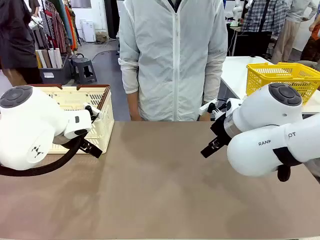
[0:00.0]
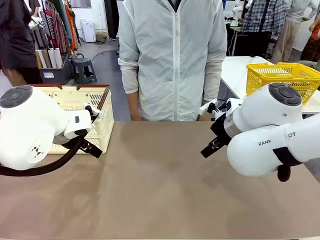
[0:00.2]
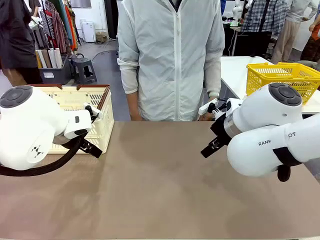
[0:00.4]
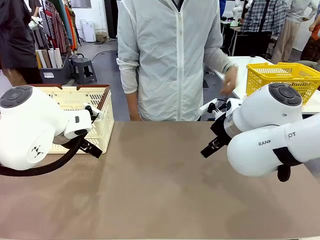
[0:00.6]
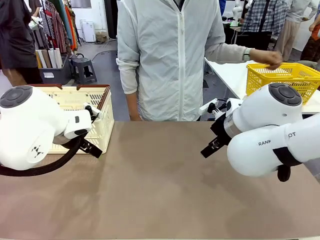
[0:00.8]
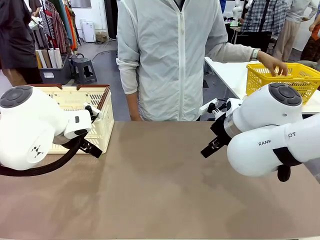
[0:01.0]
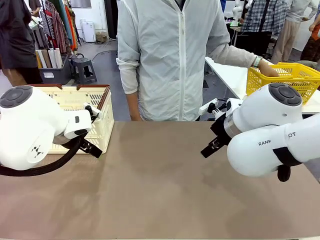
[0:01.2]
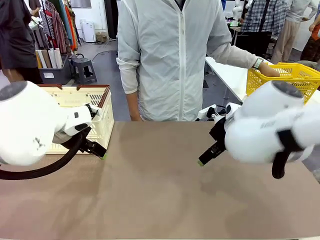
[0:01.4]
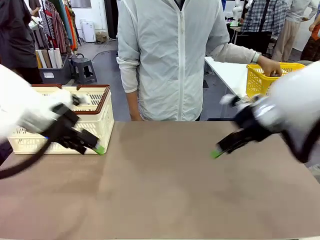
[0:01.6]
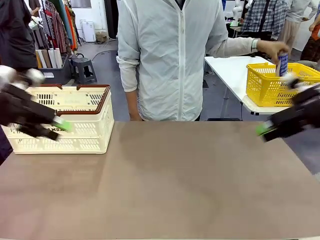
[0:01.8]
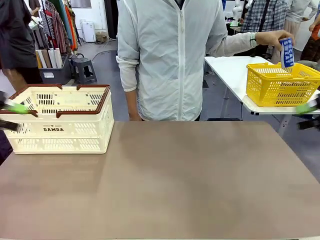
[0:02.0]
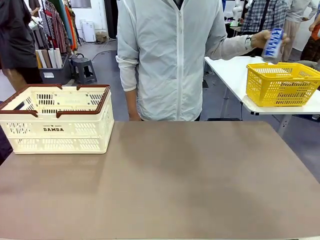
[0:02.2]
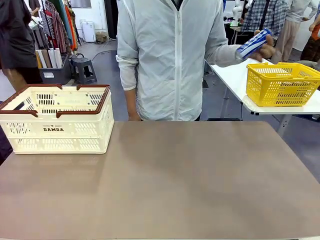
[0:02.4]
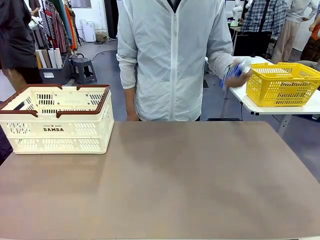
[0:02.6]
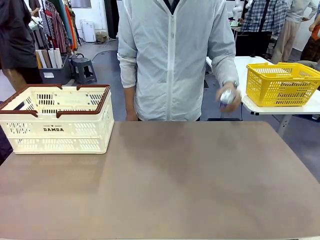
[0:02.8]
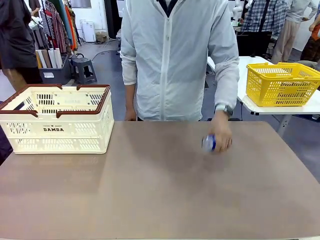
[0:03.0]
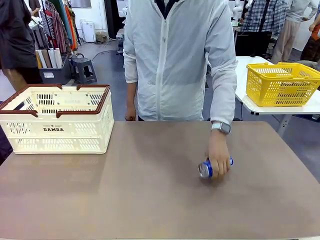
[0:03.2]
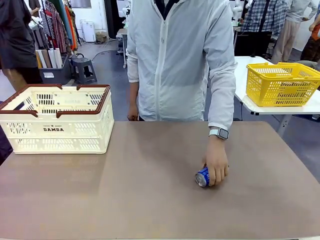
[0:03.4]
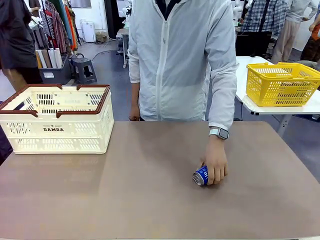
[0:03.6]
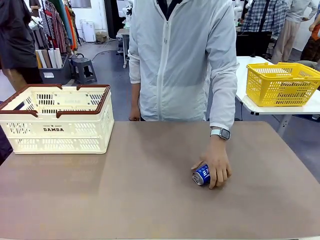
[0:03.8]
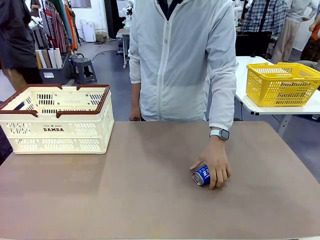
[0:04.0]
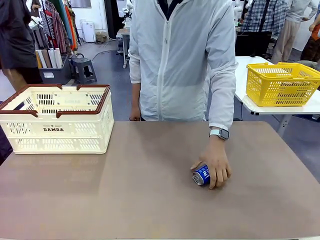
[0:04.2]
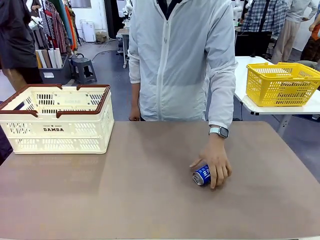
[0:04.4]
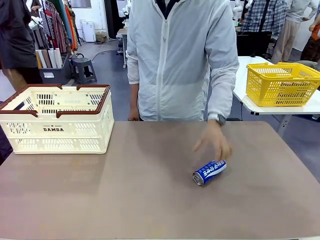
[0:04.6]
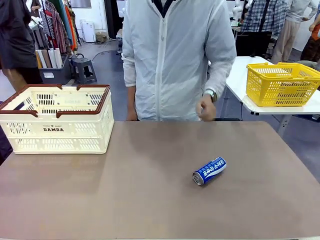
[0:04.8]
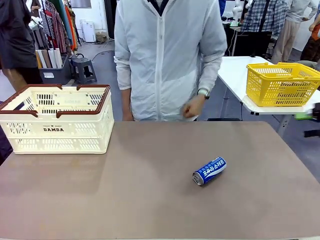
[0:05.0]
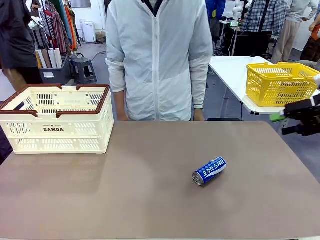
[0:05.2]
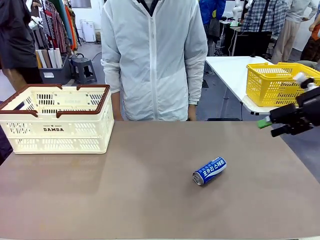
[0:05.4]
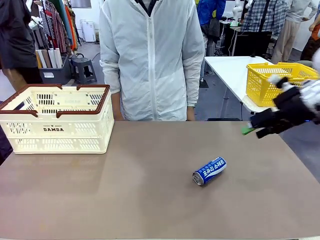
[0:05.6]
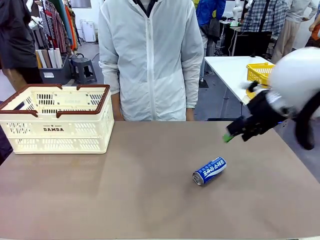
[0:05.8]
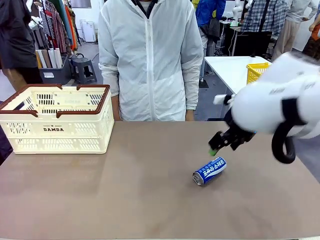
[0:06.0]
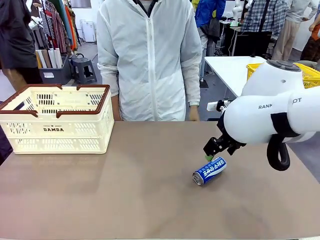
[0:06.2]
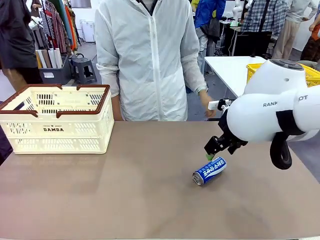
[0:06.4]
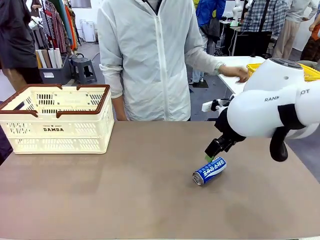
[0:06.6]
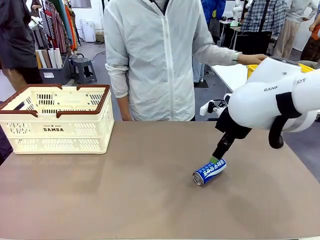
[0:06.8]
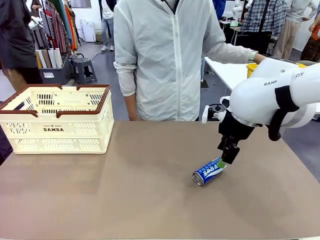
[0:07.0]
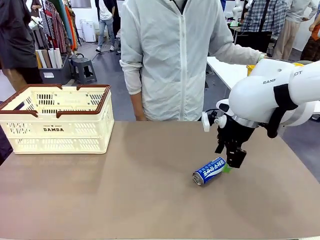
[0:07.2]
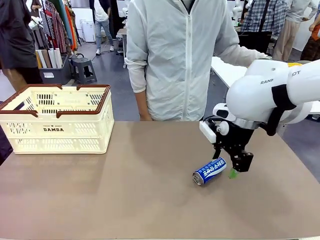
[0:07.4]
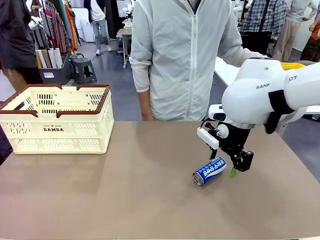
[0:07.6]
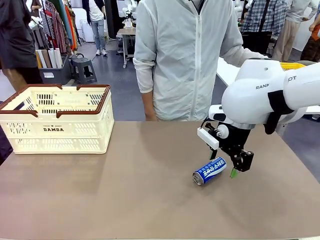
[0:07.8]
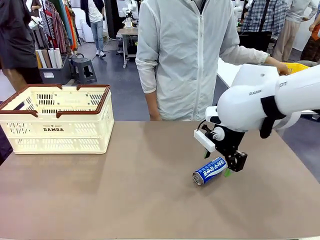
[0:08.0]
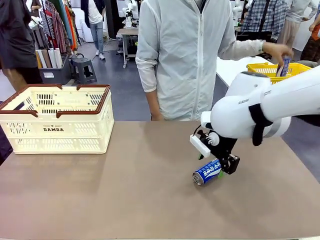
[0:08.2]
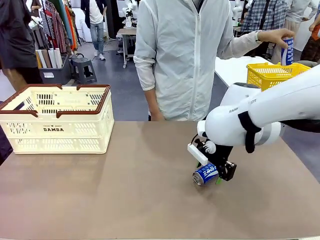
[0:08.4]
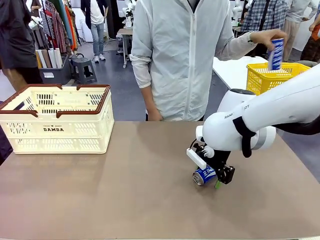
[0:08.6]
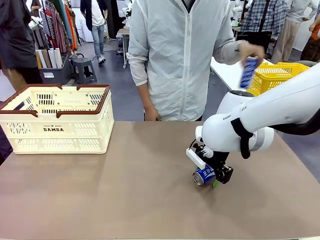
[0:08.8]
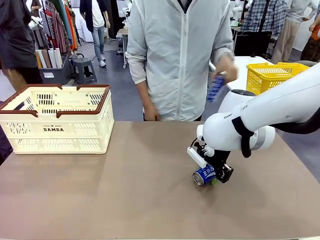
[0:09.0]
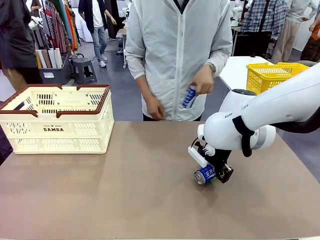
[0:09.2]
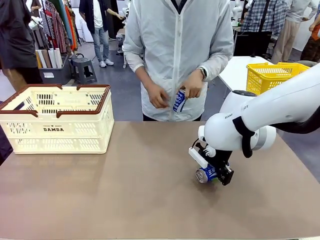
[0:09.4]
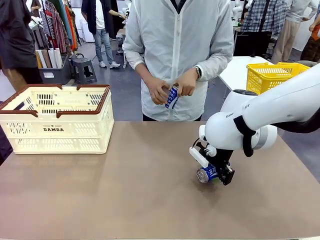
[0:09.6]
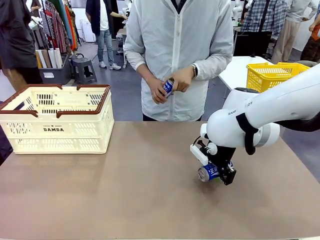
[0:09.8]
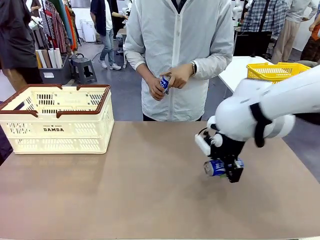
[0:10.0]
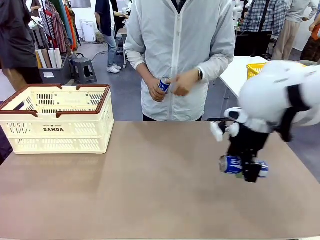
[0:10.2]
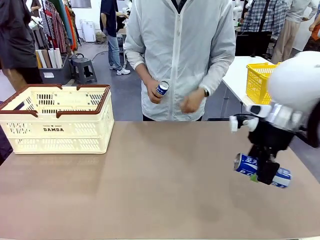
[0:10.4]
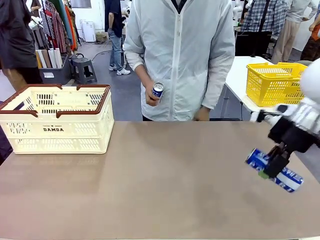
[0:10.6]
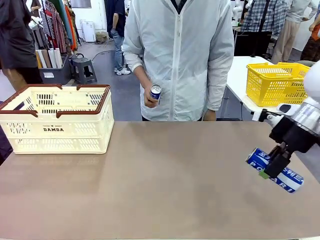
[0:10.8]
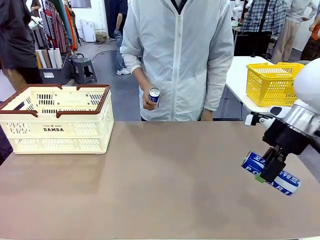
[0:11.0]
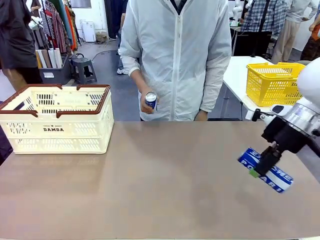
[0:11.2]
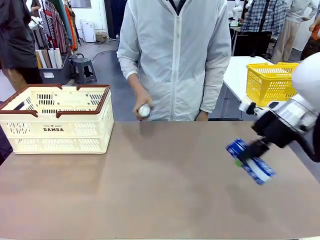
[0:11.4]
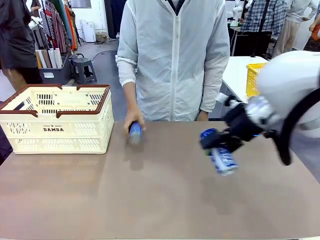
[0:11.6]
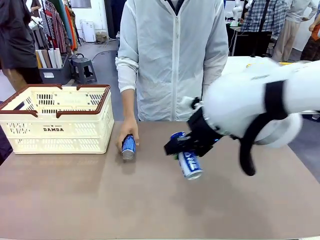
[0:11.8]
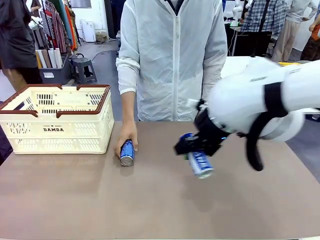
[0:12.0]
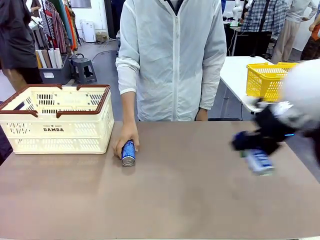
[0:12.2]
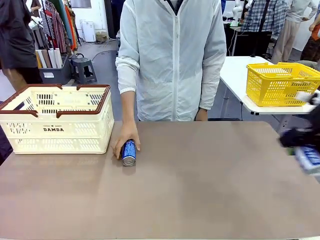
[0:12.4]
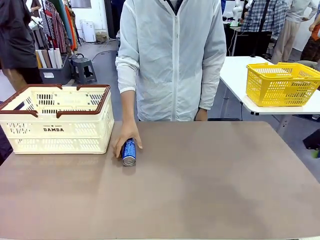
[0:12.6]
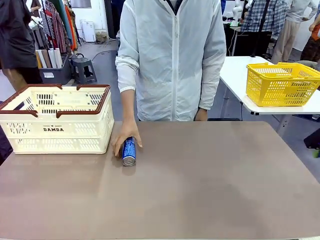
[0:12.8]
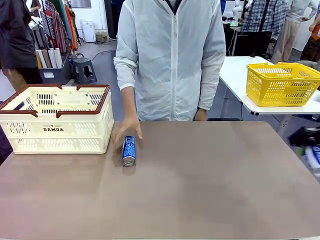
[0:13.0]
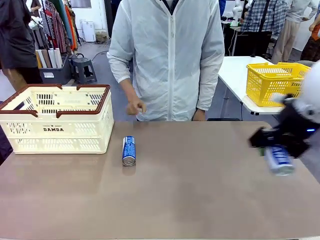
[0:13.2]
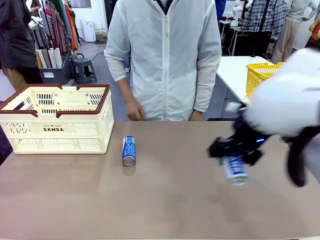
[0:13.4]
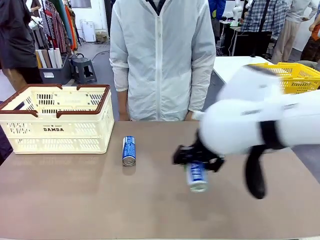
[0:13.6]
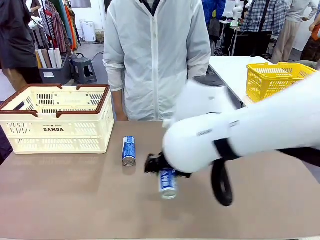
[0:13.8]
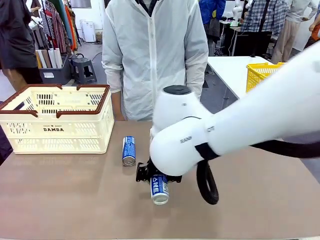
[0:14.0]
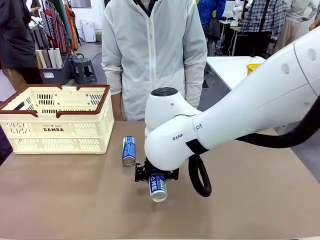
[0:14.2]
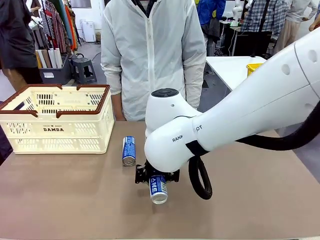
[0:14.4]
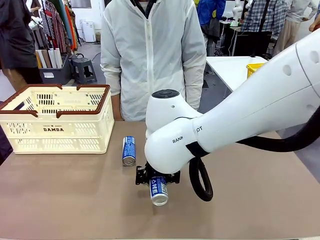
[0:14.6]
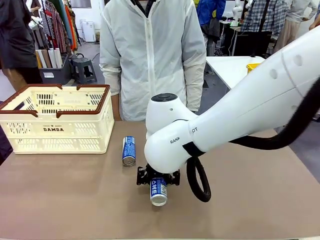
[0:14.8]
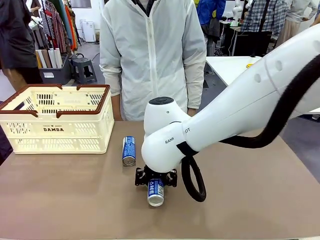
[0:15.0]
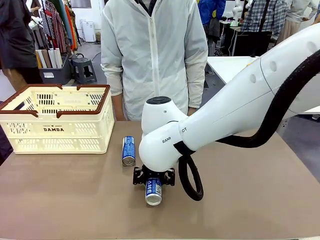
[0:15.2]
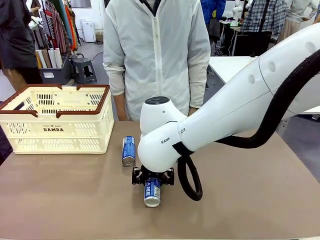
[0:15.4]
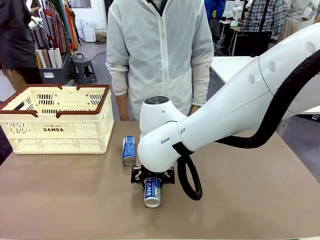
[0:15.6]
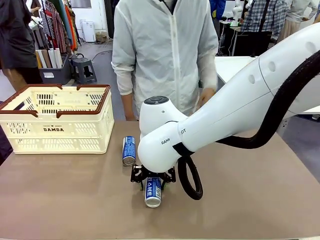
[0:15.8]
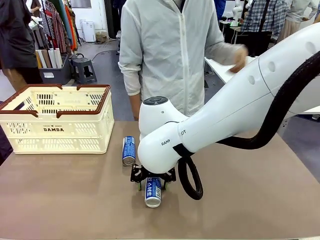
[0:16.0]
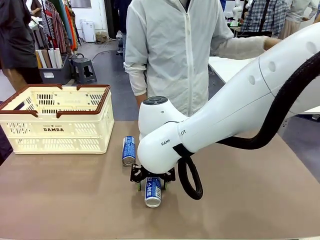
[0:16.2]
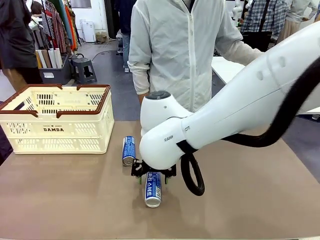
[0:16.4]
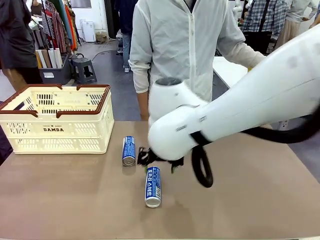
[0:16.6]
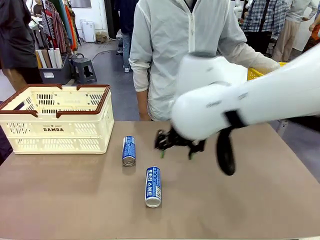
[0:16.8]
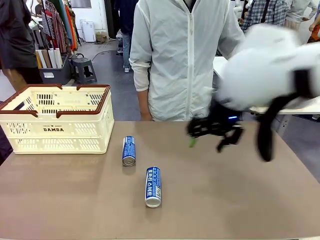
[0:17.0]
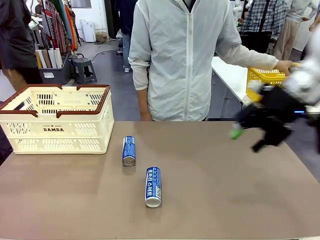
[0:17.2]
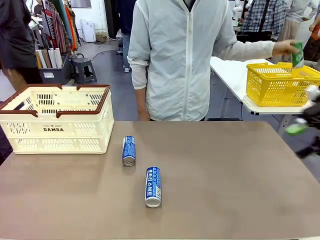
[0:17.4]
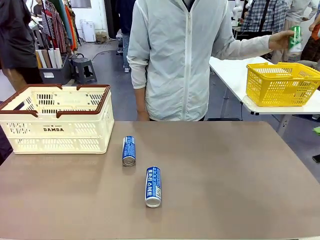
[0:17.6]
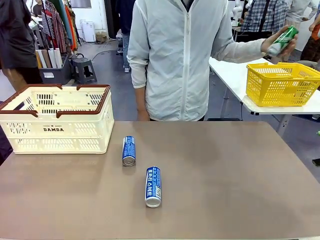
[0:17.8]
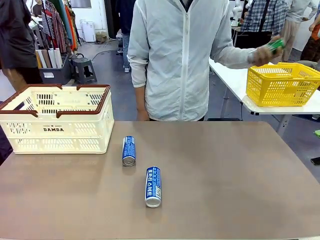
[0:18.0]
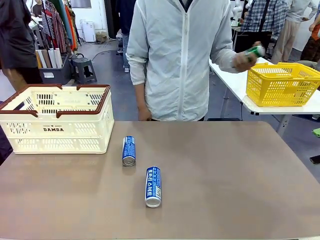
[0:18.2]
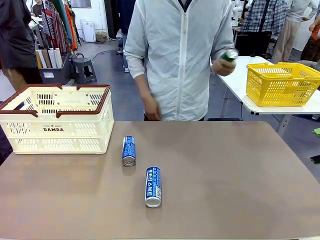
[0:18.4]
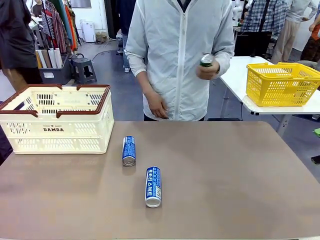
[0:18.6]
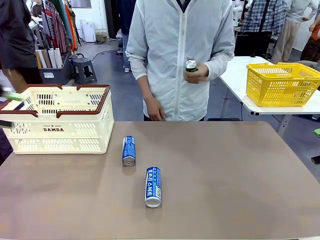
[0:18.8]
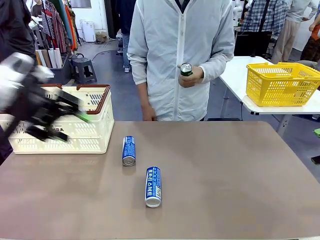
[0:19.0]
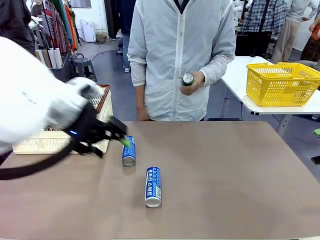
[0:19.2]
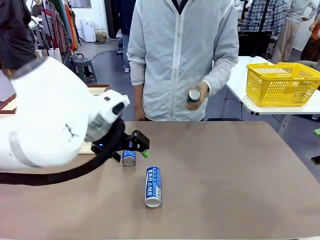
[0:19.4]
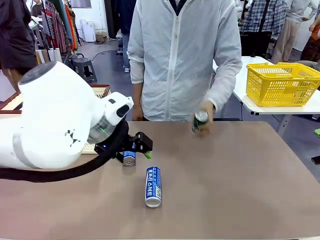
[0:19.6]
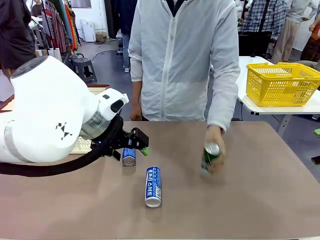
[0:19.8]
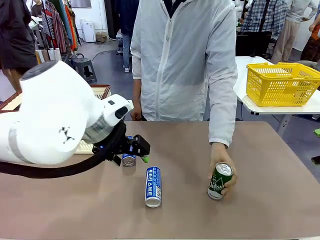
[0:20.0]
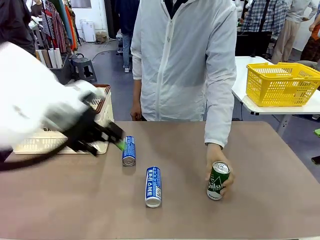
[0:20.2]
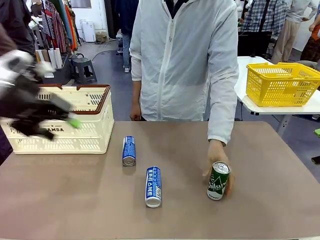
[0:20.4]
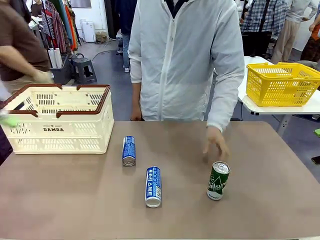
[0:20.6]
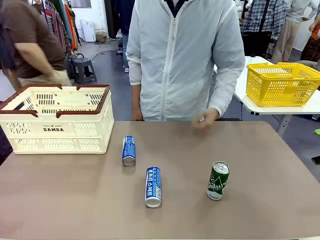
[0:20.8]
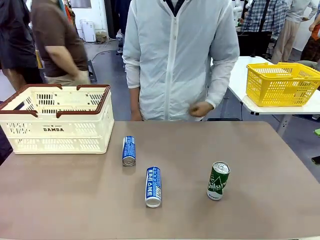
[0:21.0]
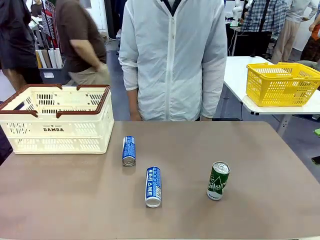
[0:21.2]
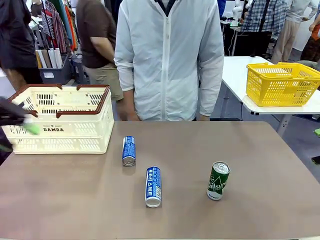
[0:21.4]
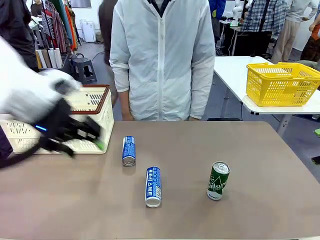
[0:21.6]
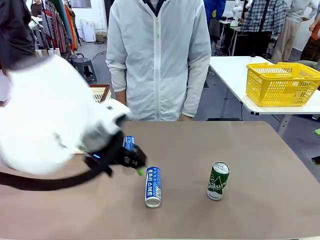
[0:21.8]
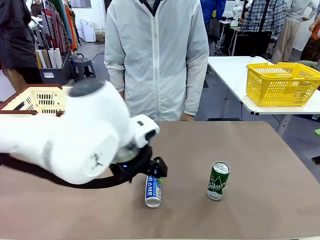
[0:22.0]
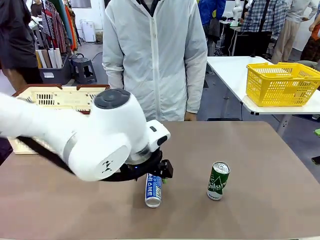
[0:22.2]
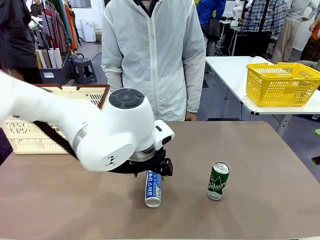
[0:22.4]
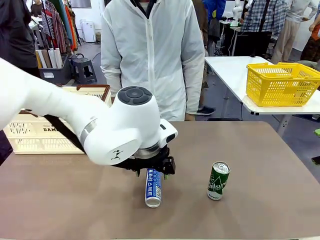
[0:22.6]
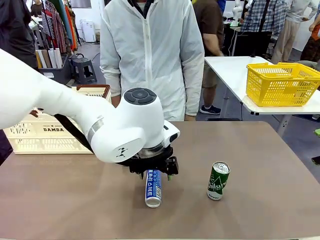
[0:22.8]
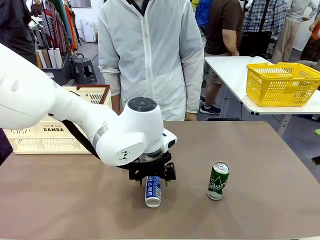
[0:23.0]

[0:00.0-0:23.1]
Task: Place the drinks into the Shopping basket.
Robot: Pick up one drink and place it into the Shopping basket.
